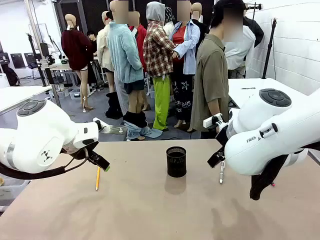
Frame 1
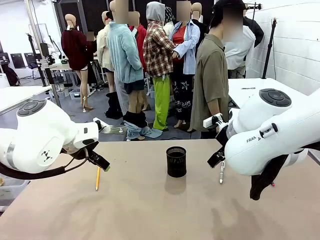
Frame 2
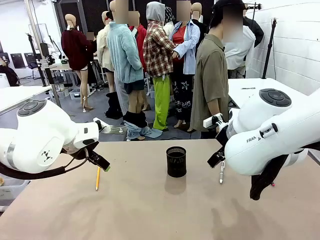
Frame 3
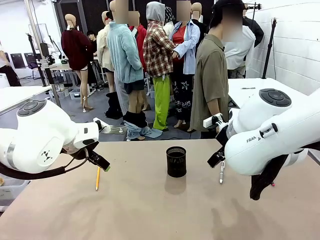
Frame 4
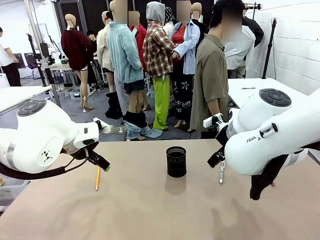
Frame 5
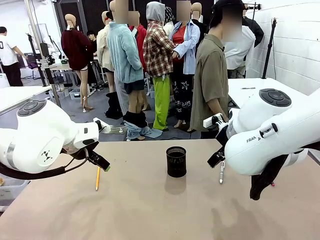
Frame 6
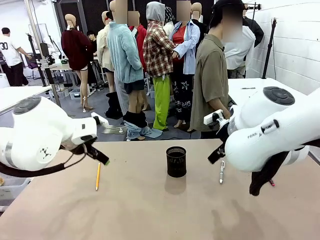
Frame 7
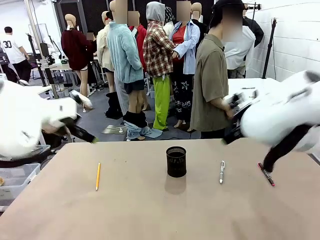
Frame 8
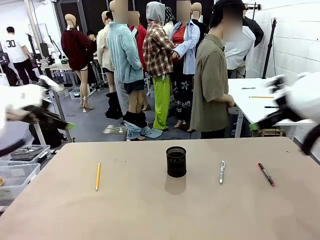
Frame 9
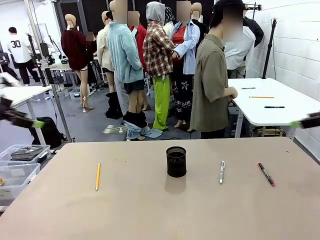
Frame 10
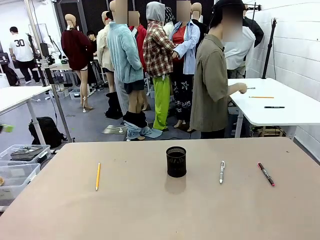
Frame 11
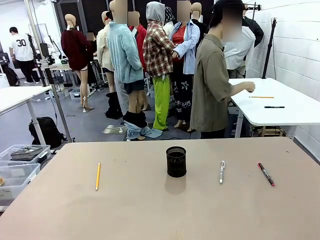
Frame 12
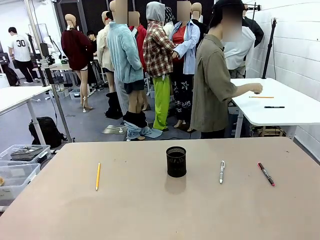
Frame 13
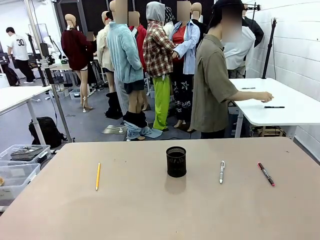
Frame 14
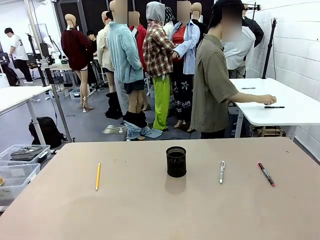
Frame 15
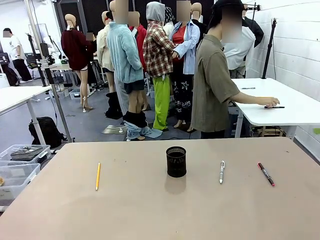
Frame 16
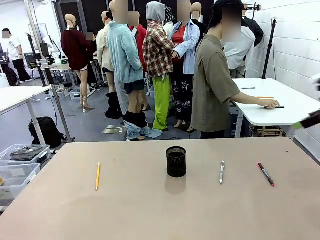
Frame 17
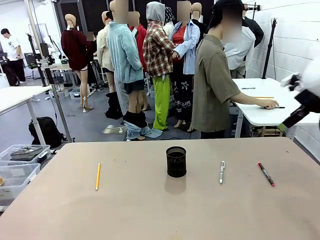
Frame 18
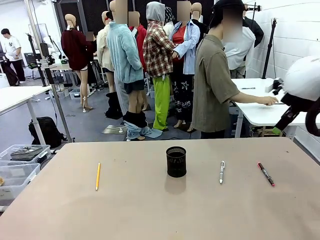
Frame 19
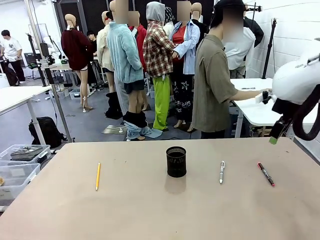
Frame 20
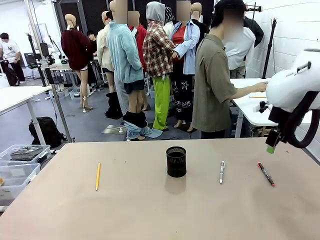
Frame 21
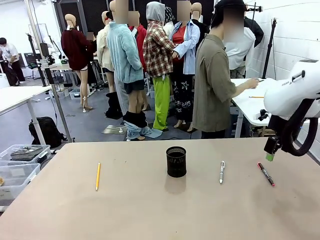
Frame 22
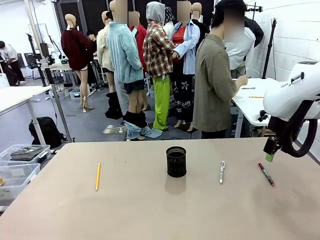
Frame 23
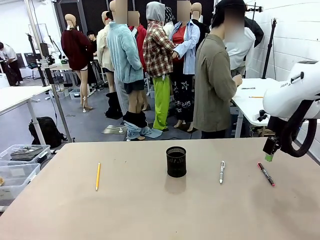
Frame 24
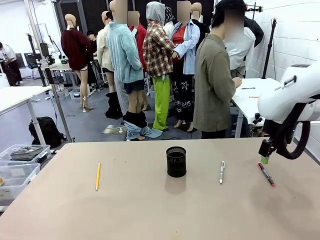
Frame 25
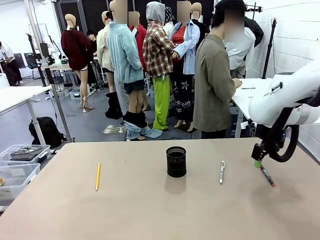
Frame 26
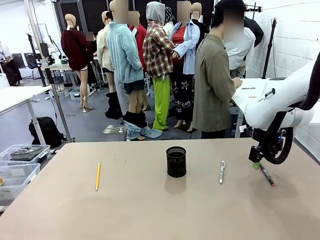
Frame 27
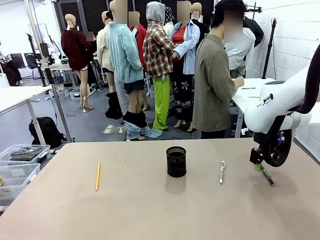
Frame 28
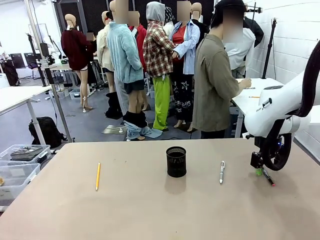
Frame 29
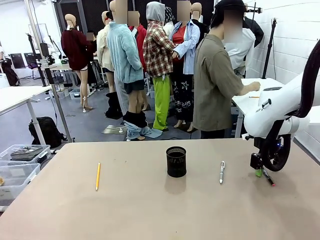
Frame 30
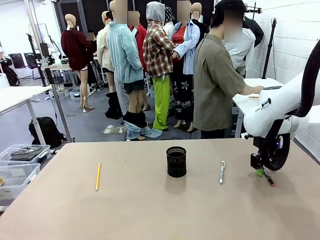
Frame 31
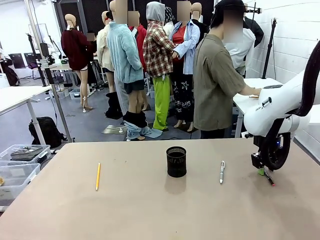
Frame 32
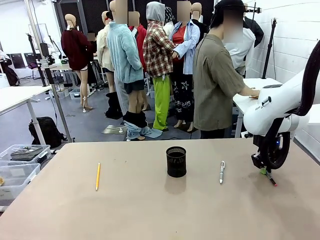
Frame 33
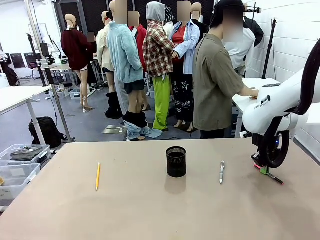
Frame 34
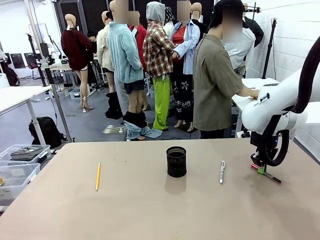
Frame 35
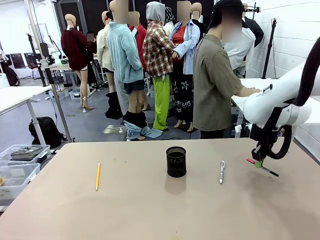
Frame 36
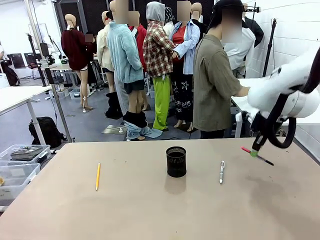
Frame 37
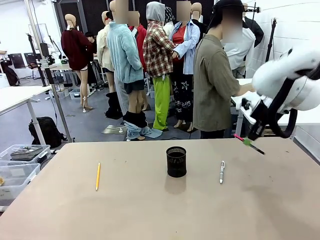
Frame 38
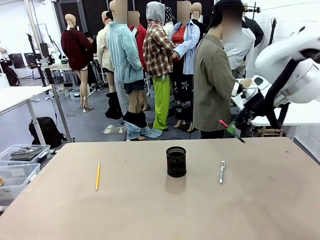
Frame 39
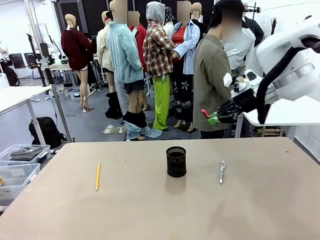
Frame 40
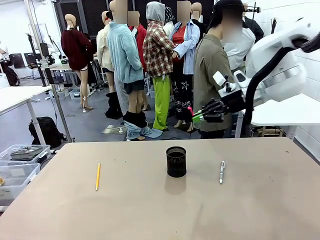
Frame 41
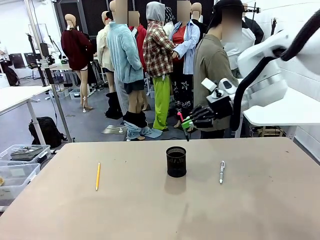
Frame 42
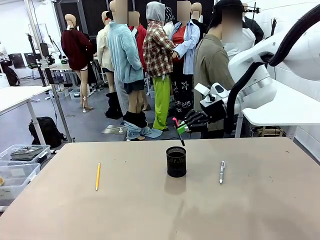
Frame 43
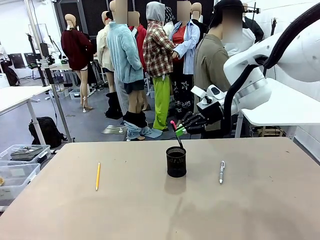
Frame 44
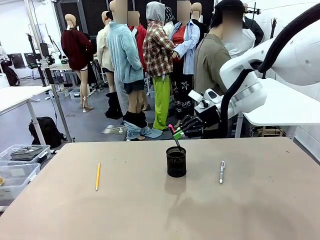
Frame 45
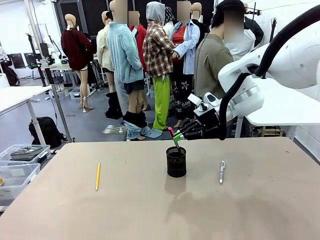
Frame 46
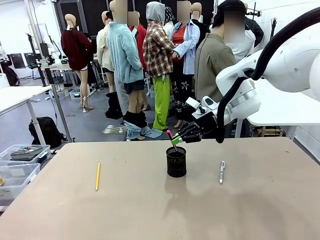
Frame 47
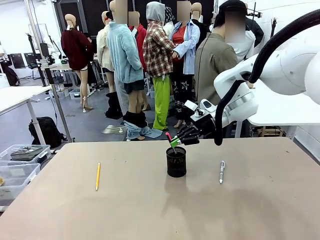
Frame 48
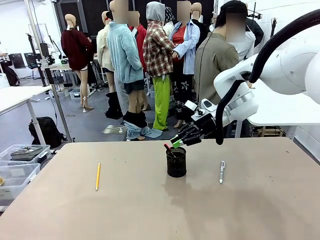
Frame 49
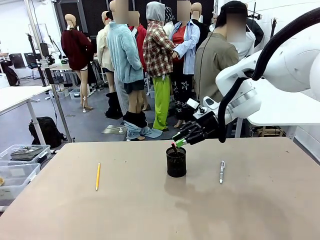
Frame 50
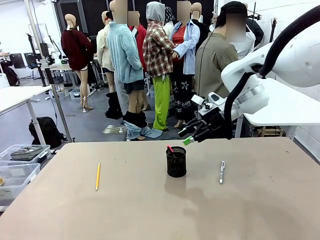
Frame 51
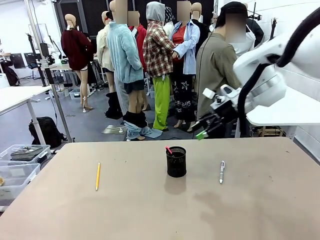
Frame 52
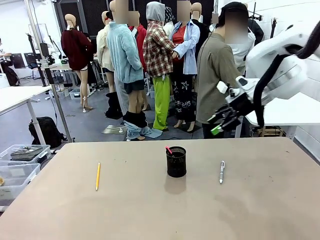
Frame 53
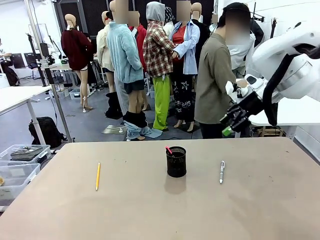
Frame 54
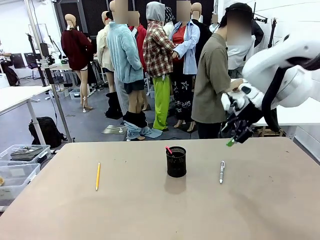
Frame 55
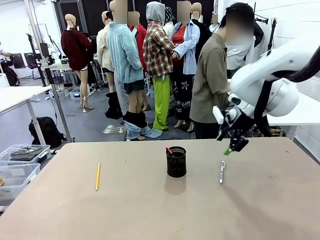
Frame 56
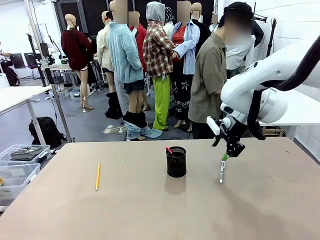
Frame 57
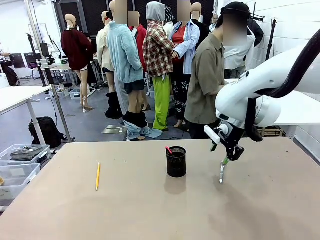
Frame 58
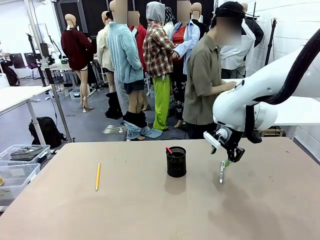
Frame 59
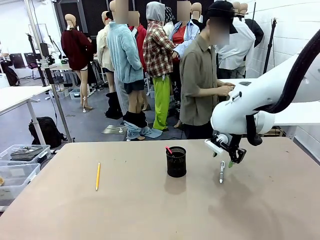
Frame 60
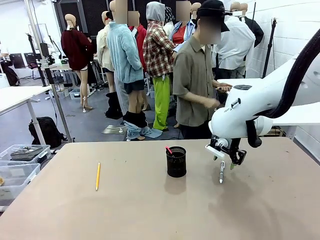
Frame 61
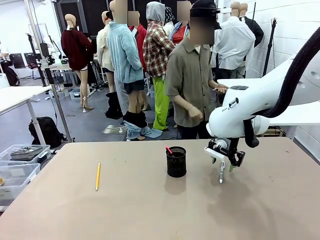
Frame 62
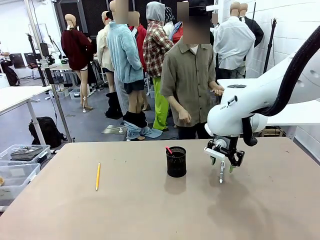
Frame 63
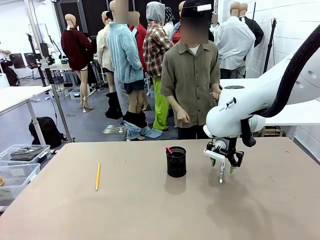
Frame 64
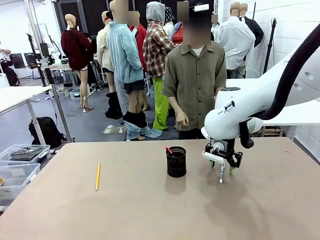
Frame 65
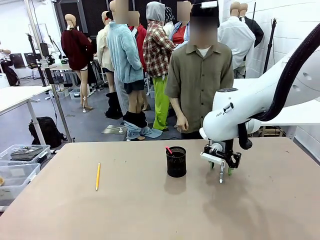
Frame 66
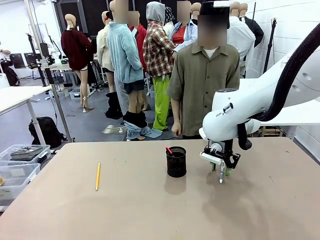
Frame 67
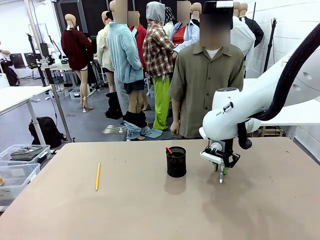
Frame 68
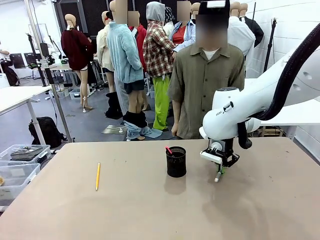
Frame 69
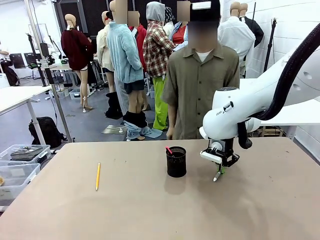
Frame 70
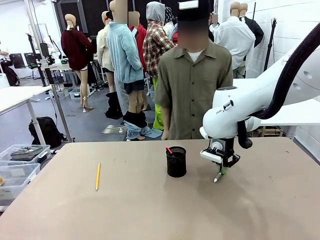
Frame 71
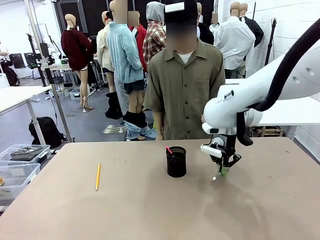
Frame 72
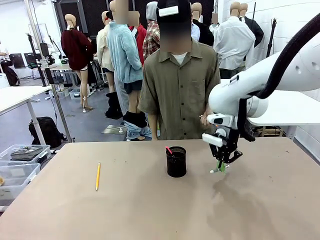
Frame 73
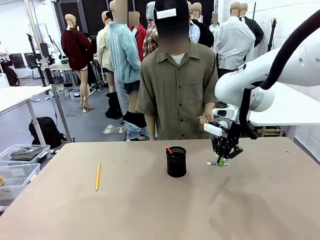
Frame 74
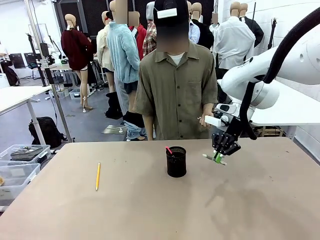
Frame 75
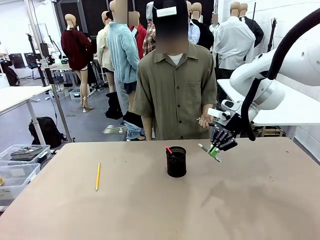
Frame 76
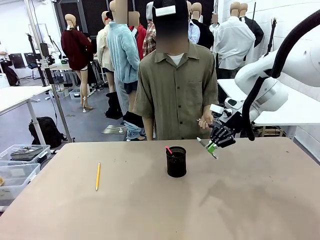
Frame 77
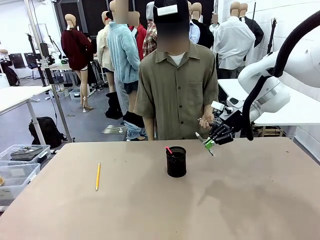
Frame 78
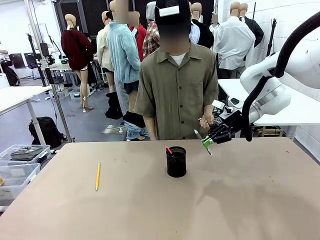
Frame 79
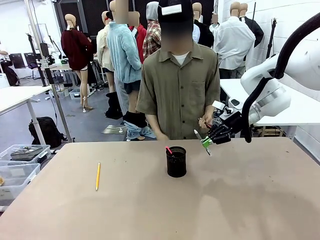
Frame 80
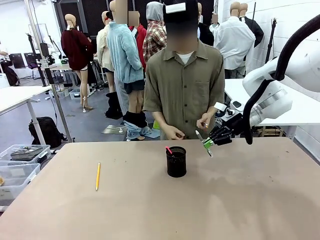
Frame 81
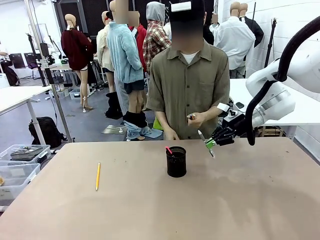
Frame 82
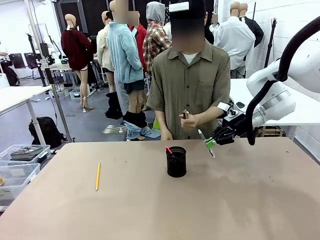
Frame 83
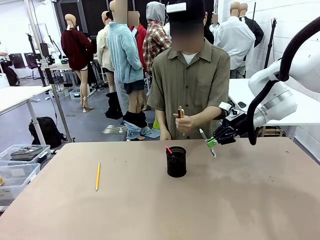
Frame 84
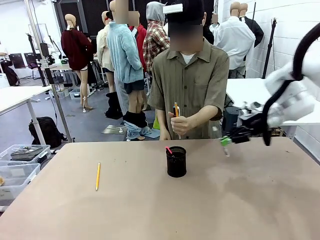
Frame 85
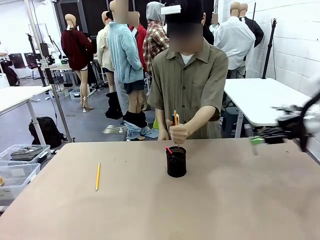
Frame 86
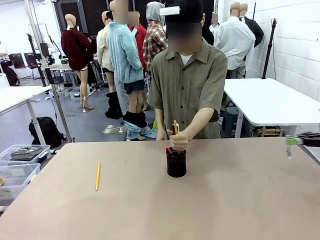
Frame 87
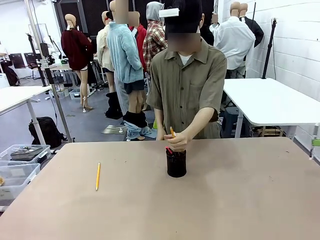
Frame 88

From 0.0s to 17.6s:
Task: Place the pens into the pen holder.
Robot: Pick up a writing instrument from the table and place it into the Pen holder.
Person: Pick up all writing instruments from the Human table.
